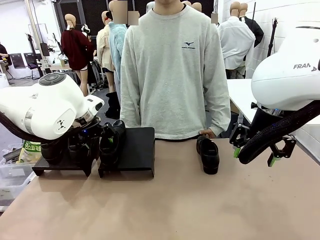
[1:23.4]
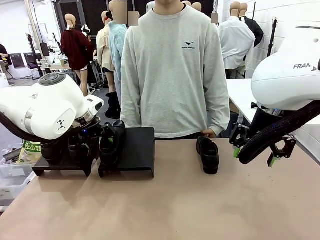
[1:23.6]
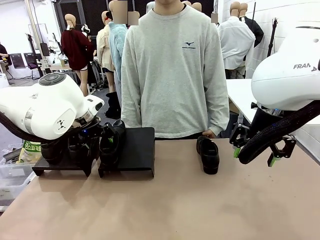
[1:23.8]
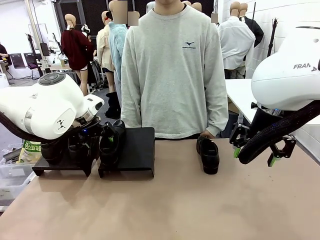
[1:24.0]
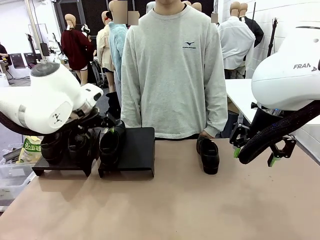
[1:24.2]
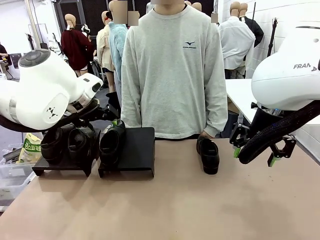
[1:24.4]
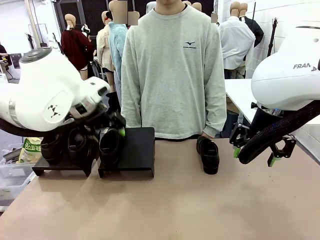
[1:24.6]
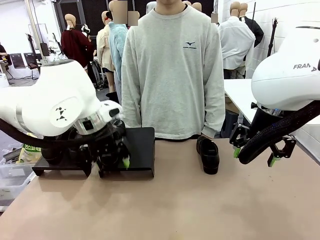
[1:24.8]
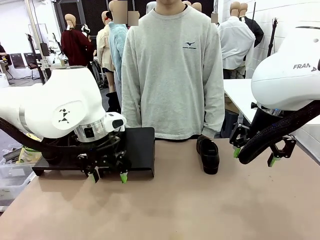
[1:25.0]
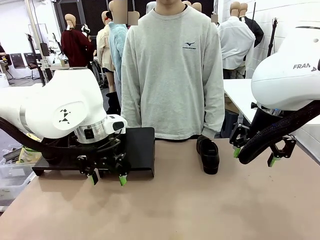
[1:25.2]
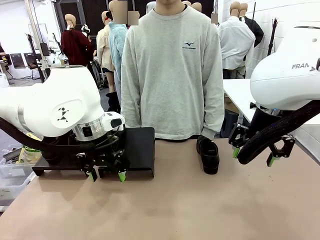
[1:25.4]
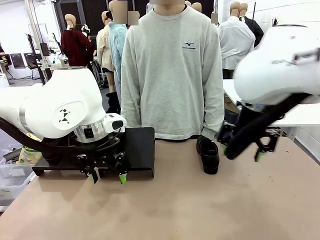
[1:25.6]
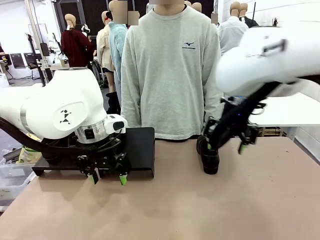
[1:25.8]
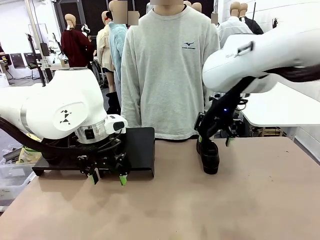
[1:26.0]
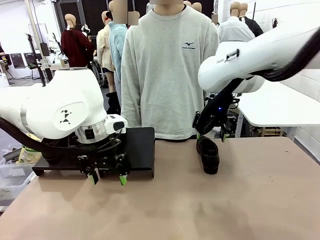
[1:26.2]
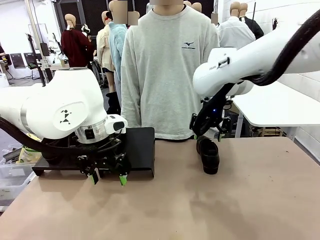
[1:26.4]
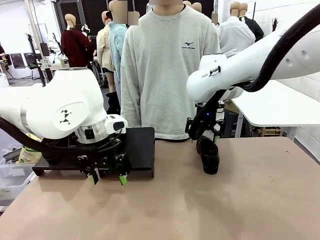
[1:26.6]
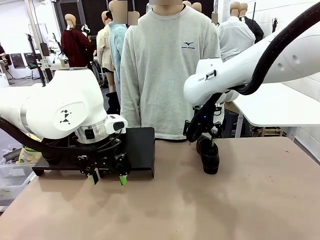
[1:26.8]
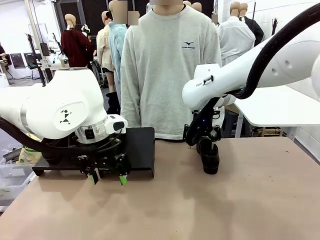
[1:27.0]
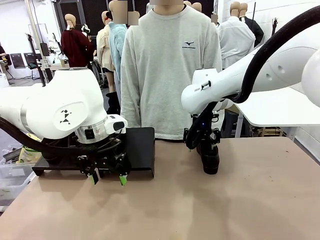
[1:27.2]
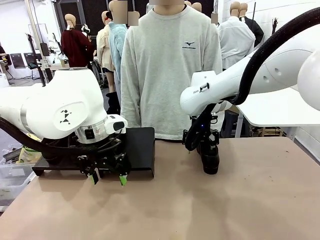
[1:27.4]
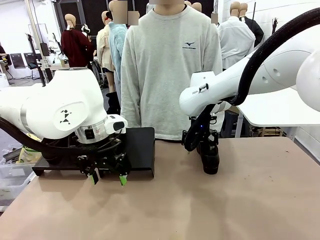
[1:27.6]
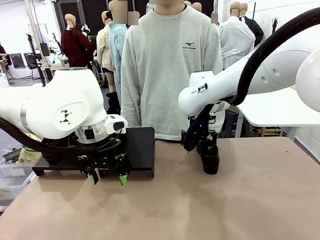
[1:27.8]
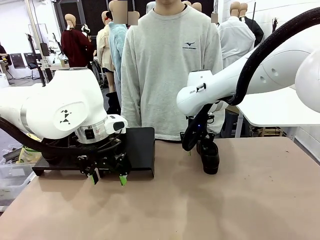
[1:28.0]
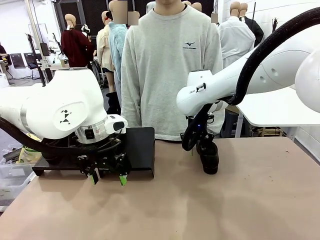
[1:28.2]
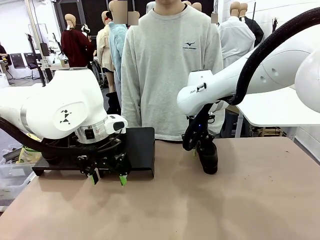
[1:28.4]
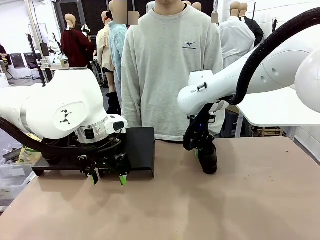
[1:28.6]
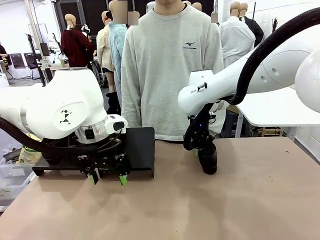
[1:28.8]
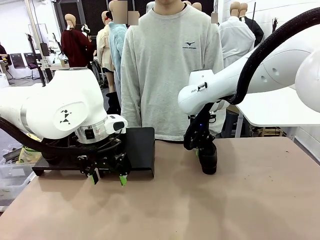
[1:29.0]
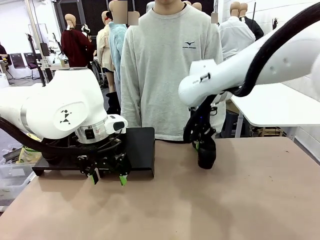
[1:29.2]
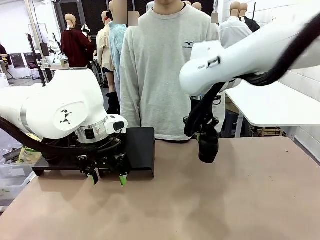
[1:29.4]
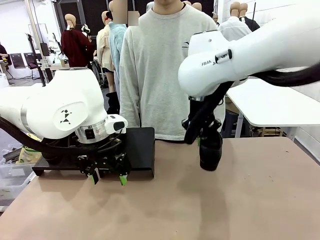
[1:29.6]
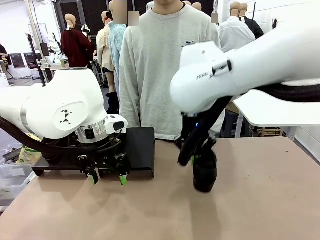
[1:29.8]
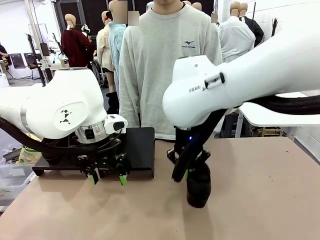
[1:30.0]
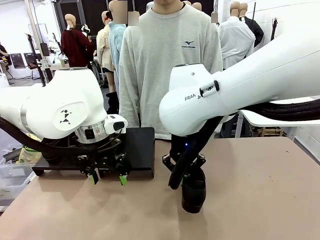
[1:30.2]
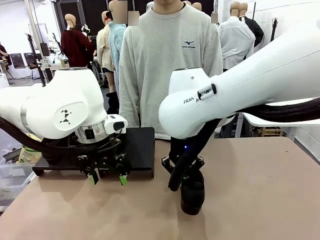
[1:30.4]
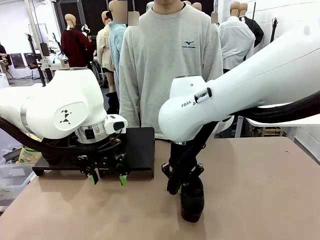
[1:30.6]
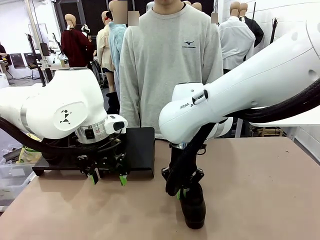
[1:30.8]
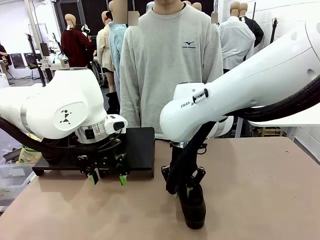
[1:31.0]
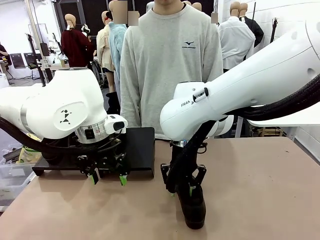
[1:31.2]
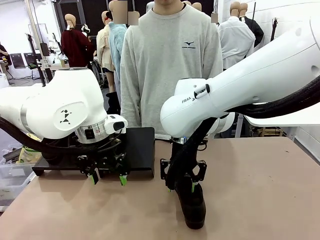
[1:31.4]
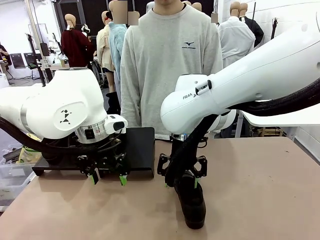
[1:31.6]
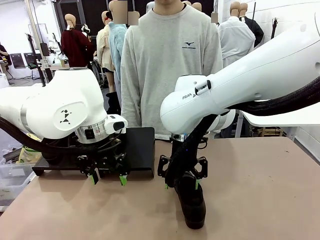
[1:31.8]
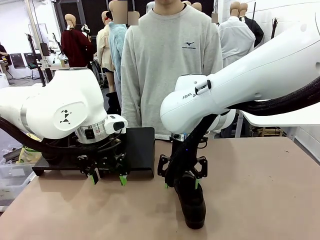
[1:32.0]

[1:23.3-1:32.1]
Task: Organize the shoes by placing them on the stand.
Robot: Pick up one Shoe and place it in the middle of the table.

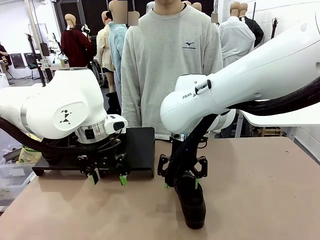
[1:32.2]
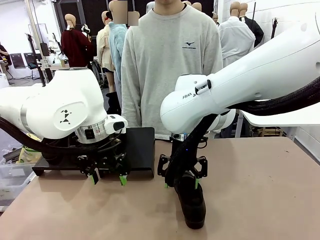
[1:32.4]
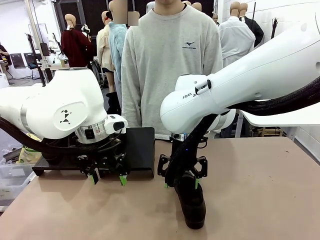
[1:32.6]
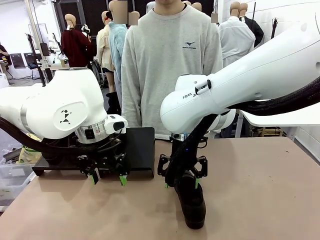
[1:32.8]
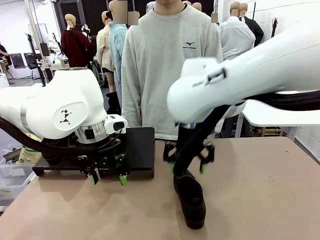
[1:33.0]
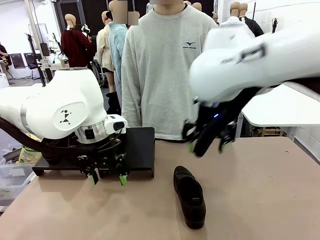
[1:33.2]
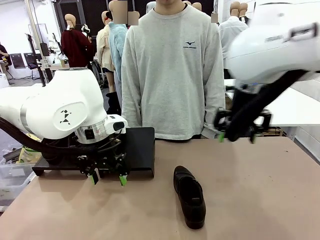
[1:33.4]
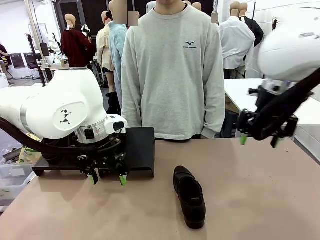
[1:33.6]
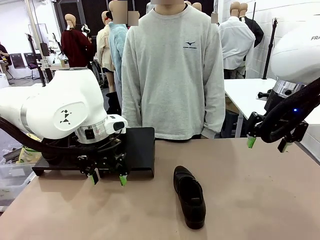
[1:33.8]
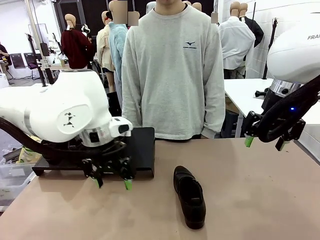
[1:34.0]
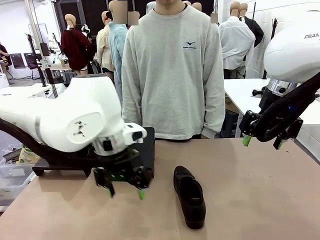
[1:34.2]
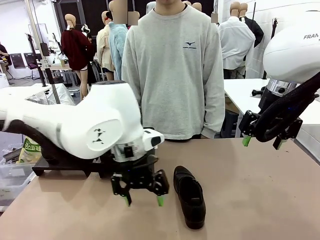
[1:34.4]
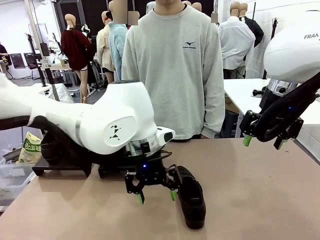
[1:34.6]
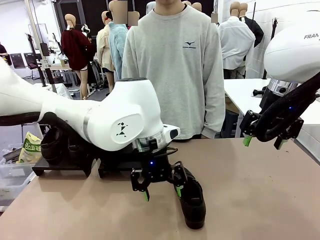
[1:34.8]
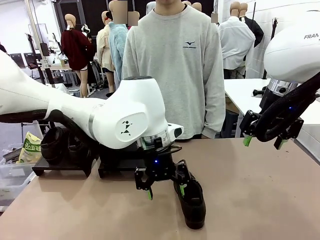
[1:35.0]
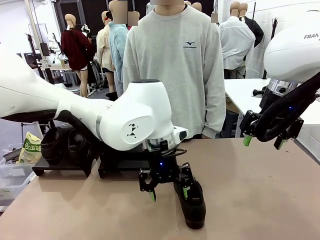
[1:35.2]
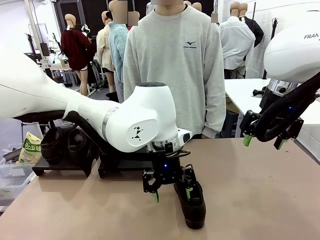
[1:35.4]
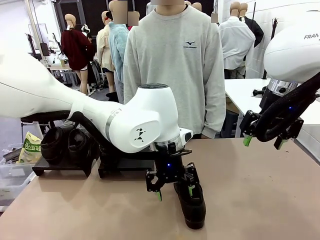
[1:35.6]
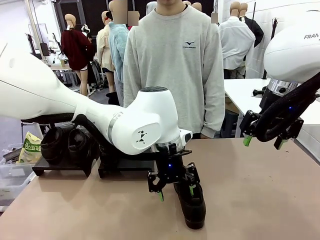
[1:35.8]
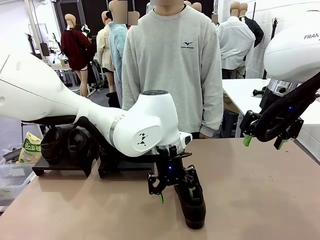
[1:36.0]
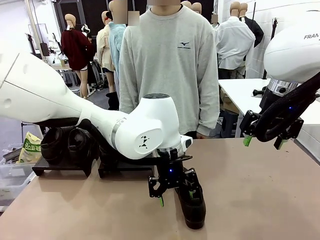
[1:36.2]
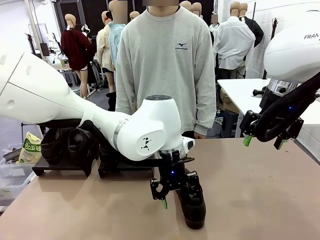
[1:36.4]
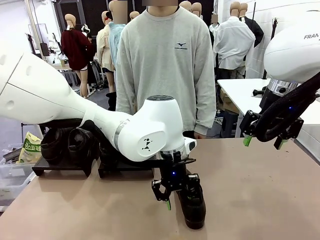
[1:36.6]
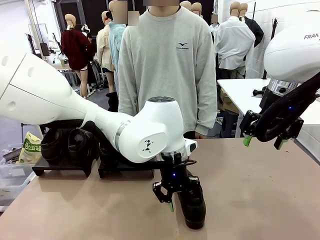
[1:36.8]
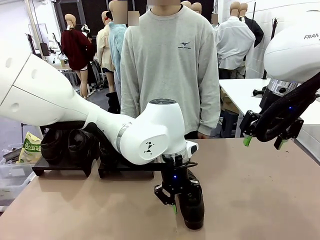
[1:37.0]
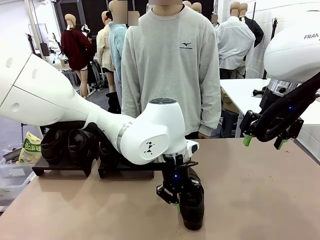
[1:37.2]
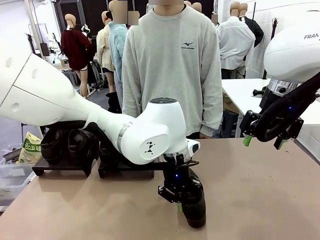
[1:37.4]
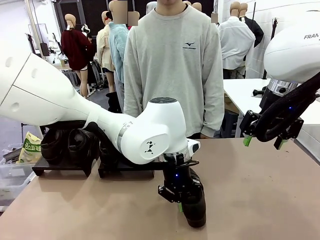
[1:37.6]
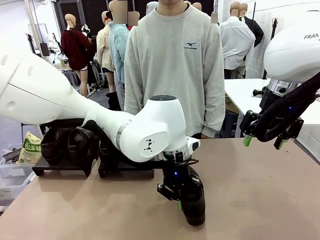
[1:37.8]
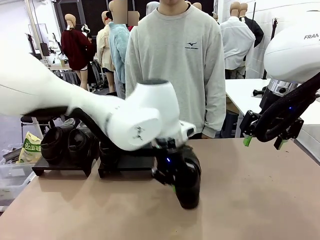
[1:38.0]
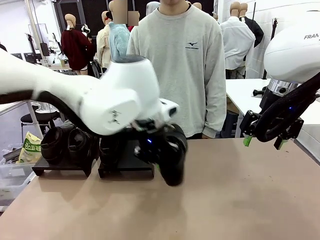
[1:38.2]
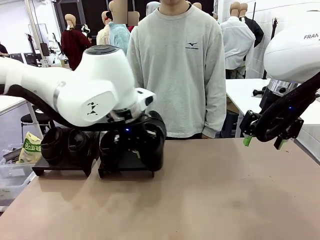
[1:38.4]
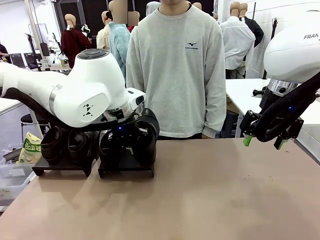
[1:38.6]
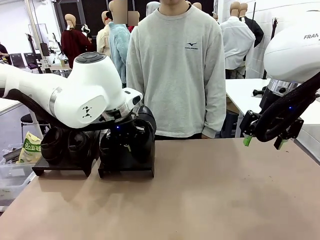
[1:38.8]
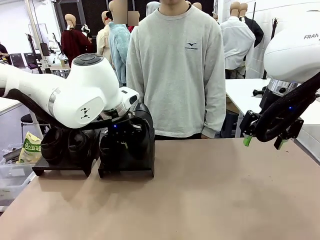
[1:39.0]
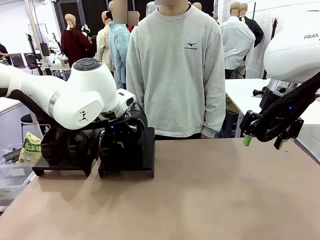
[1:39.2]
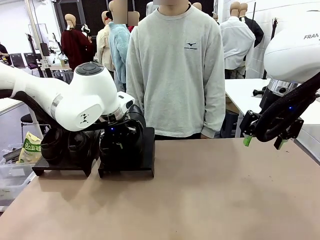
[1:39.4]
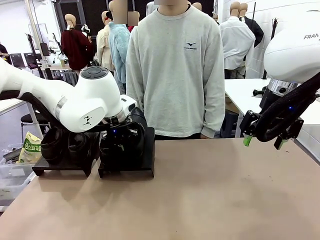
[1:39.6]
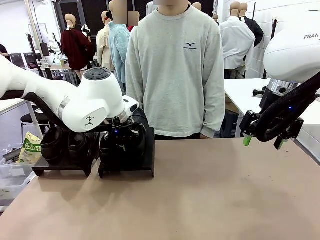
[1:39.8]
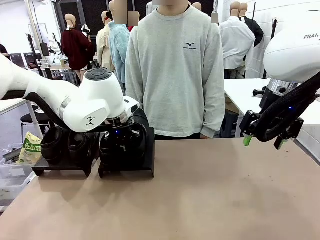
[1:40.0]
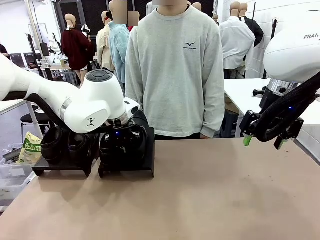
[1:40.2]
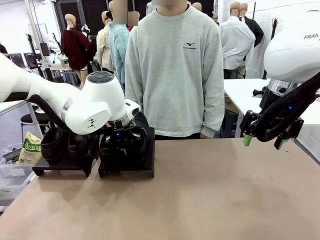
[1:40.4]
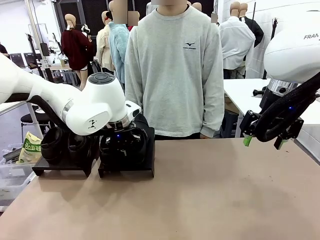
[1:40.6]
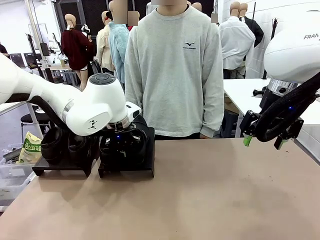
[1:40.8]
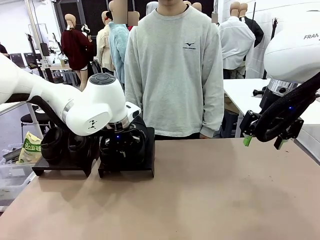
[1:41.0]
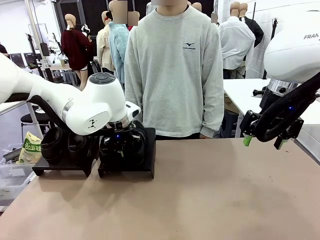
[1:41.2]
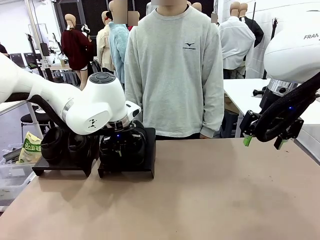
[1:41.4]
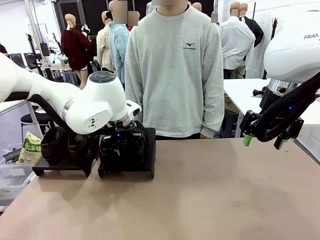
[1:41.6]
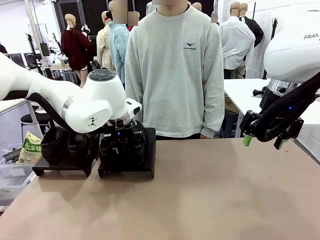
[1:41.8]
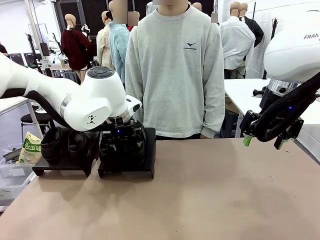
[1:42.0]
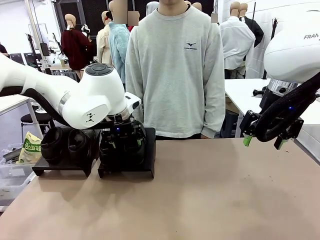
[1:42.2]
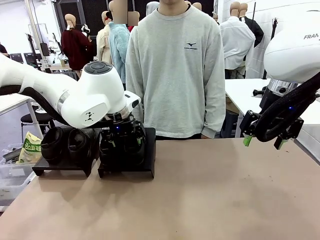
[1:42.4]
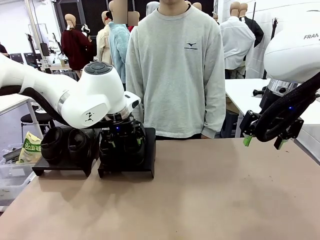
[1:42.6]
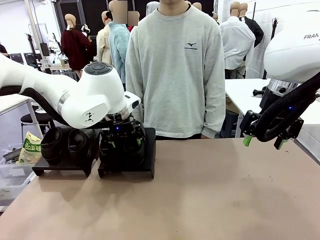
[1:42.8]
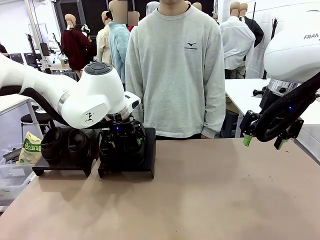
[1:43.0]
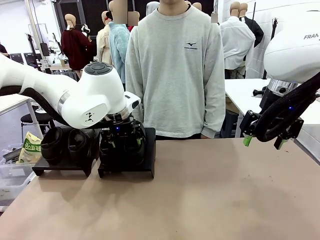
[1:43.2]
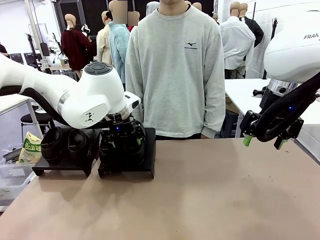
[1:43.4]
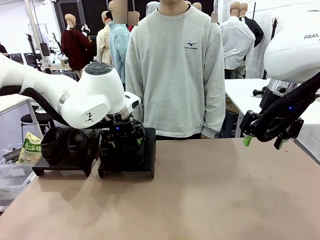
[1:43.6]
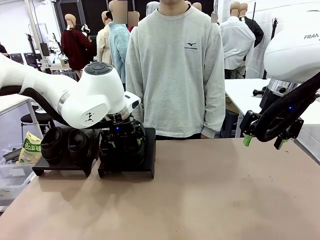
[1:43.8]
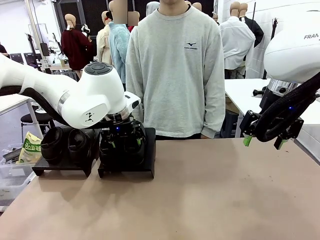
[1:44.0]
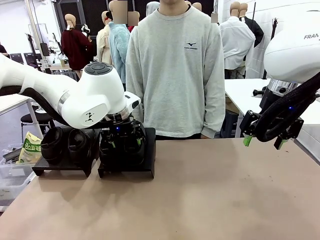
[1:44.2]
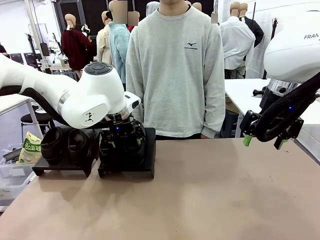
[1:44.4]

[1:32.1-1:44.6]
Robot: Place the Shoe from the middle of the table onto the Shoes Stand.
